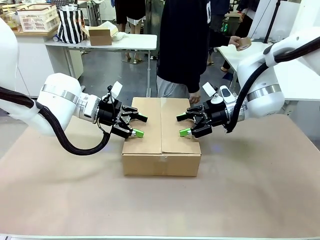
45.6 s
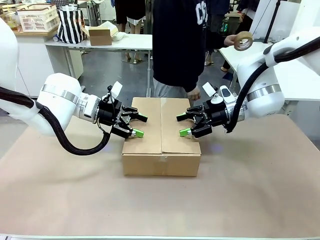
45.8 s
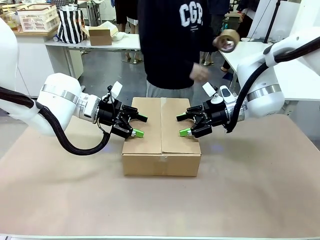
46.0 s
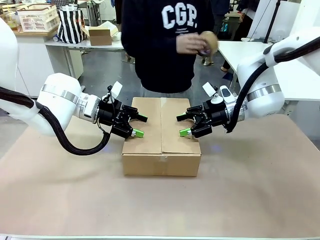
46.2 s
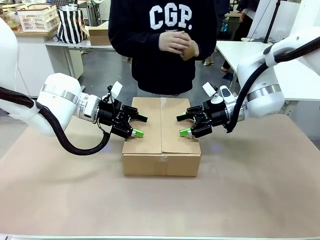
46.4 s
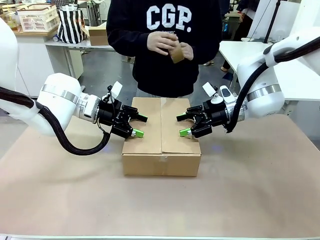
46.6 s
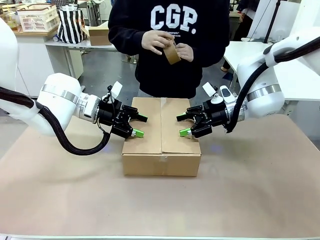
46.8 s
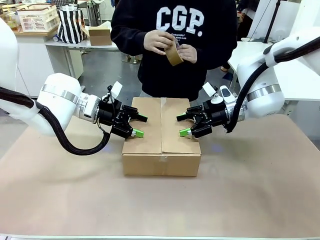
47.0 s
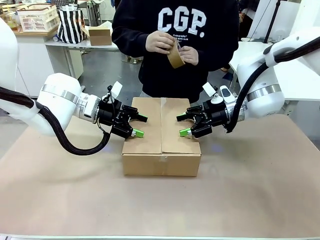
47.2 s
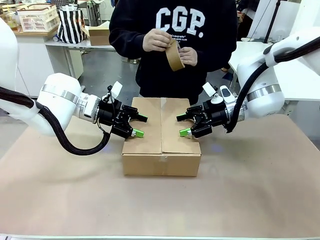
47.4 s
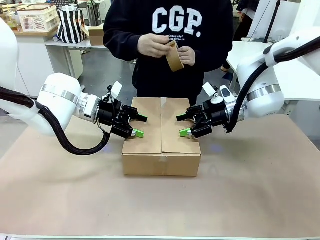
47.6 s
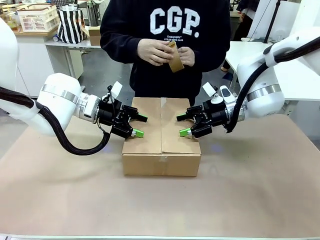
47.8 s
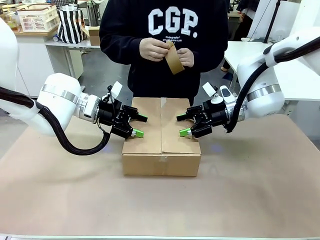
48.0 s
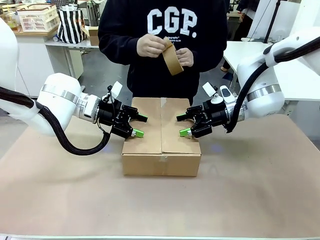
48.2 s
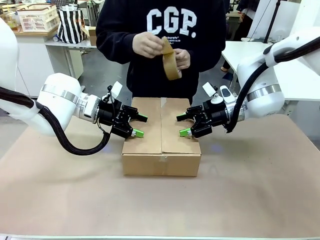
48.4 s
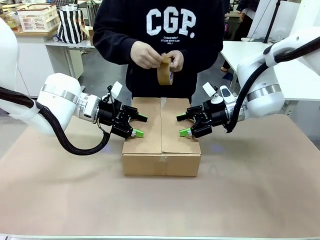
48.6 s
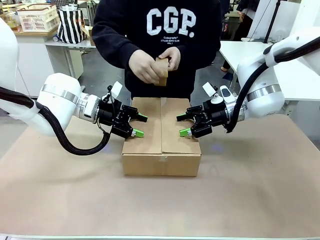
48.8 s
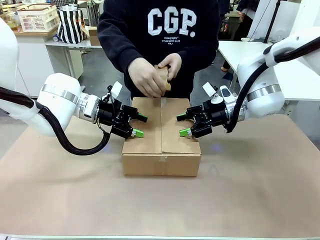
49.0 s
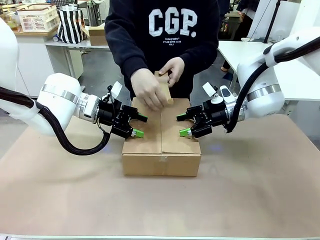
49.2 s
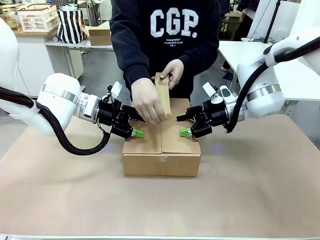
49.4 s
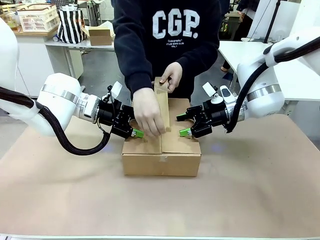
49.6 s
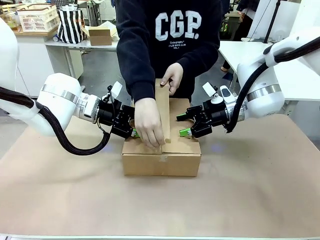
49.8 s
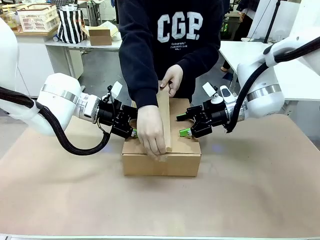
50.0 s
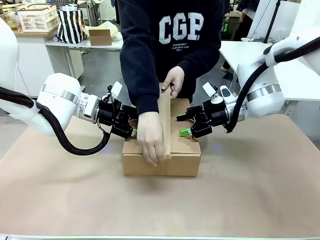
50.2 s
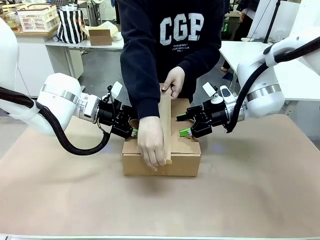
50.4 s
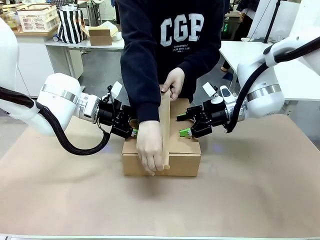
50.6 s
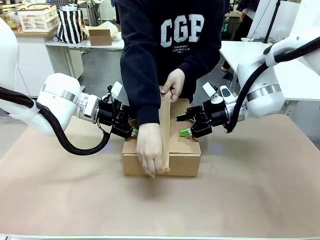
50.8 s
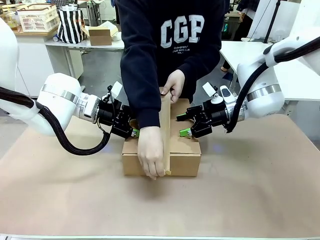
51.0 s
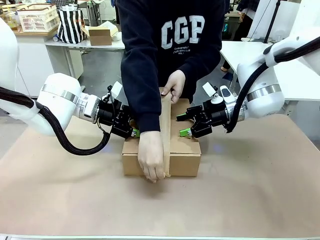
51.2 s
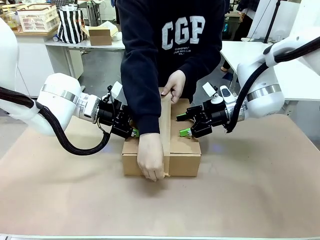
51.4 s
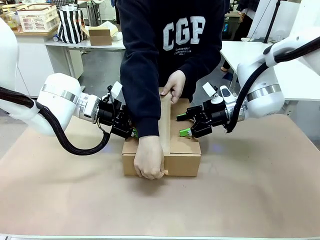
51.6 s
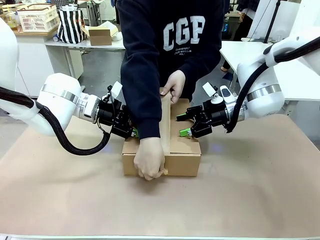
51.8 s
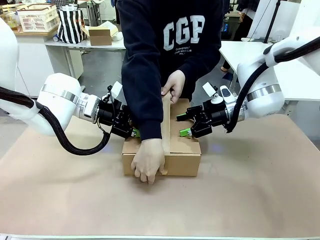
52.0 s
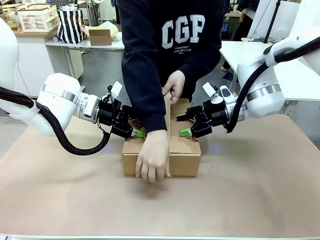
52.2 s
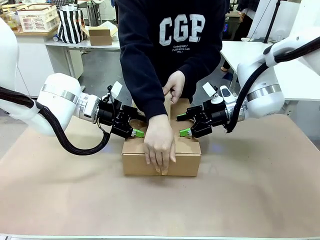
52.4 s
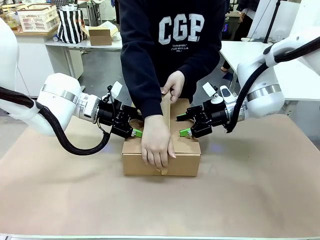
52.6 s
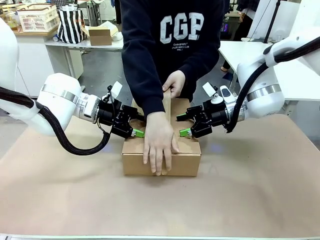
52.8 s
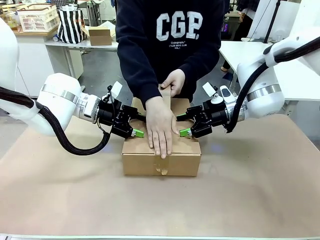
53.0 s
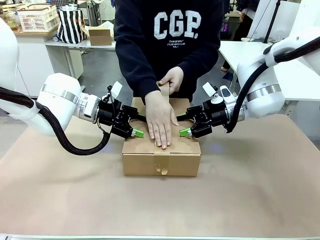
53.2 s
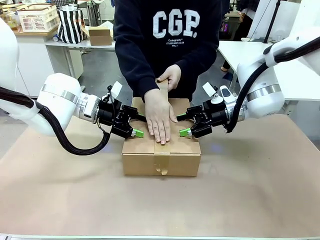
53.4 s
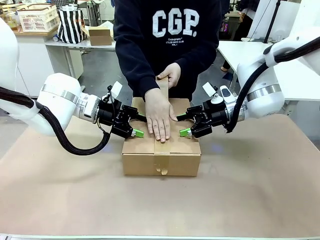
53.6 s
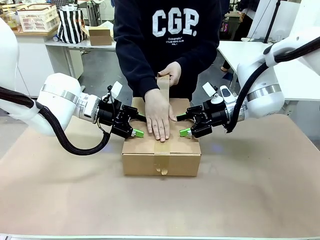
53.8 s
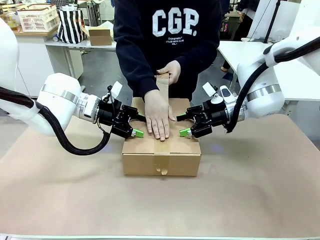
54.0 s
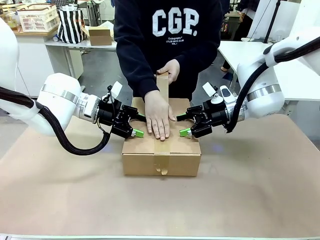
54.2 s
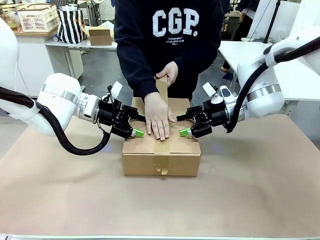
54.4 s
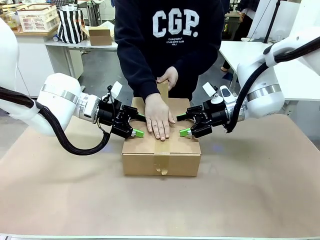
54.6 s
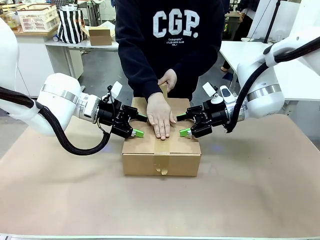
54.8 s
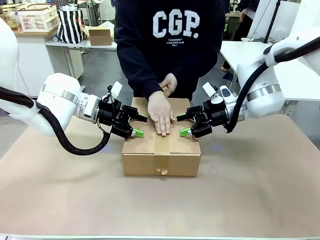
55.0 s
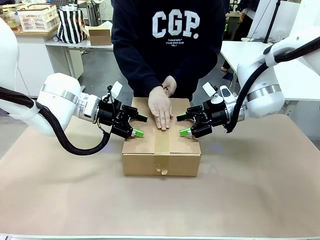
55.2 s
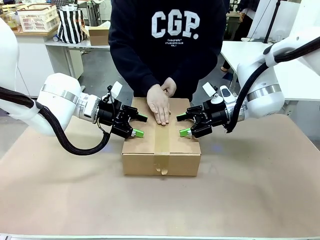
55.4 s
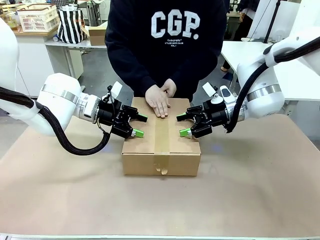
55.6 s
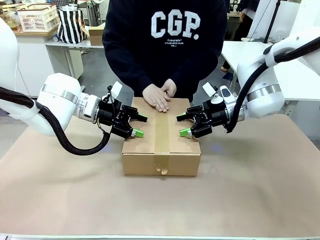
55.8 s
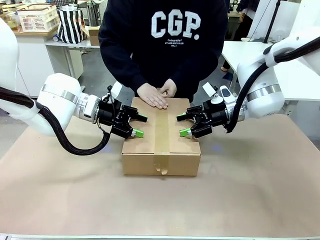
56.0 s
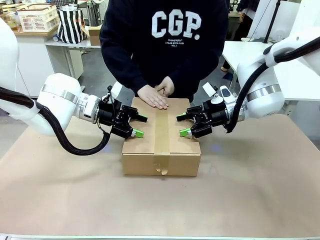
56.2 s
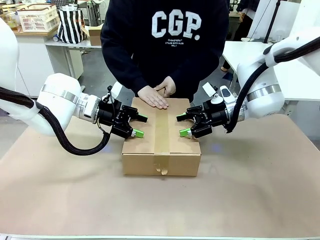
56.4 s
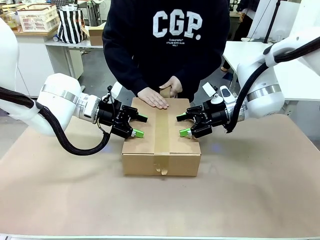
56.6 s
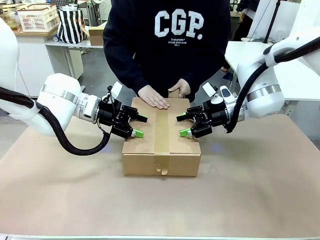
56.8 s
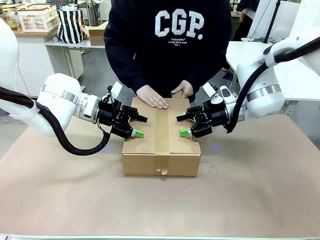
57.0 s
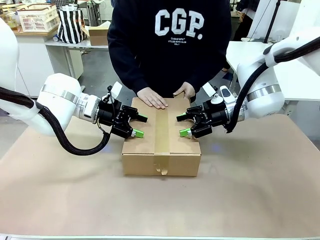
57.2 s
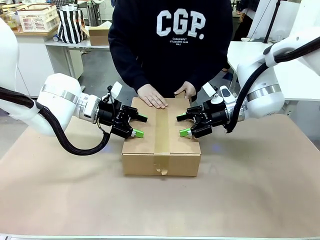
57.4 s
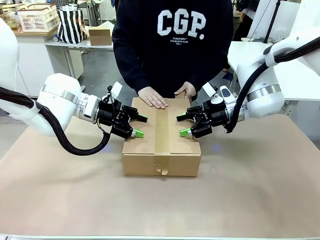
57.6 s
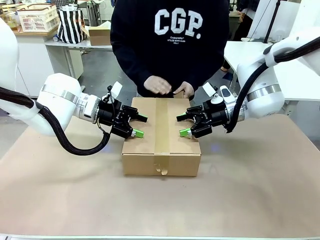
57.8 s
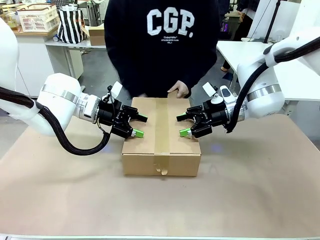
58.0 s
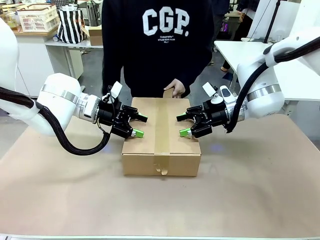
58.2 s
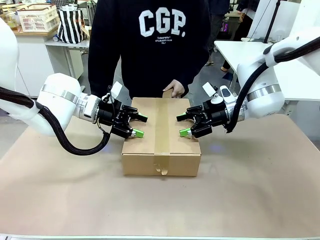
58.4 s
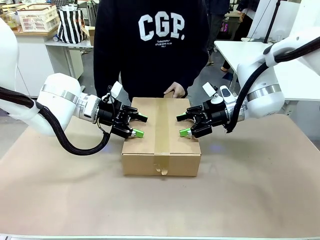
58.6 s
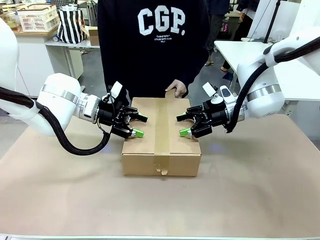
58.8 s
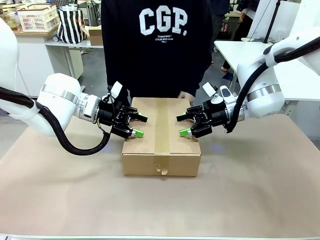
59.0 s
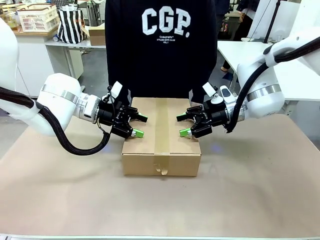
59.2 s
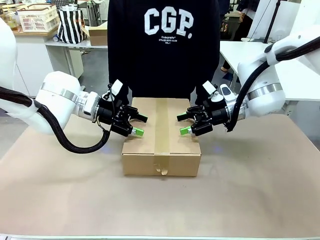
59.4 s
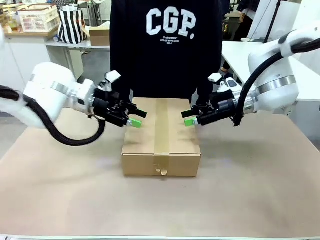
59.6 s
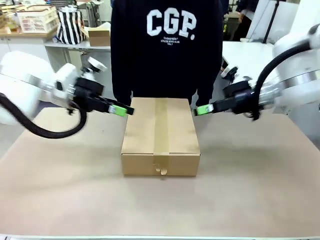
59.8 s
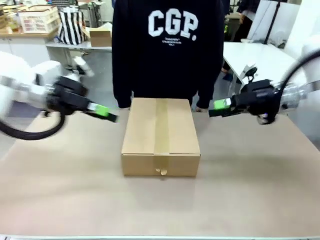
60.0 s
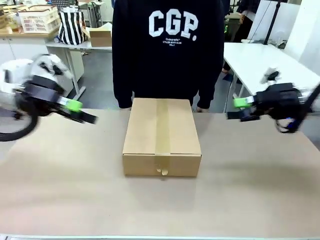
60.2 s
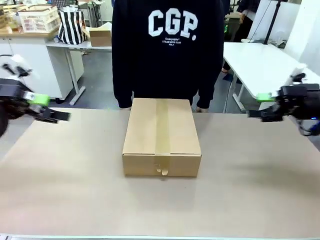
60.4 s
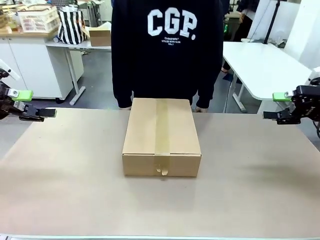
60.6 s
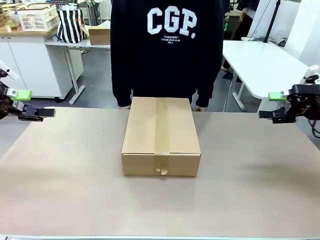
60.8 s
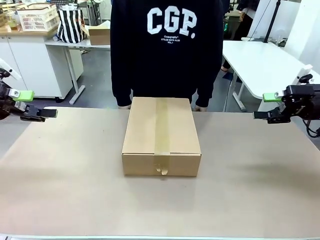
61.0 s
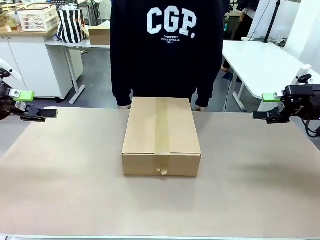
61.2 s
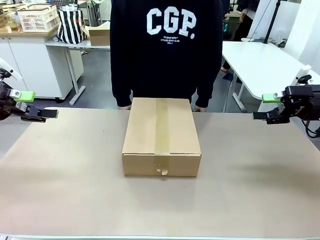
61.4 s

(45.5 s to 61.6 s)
Task: Pack the gift set into the box.
Robot: Press and hold the closed box until the human finishes sealing it.
Person: The human picks up the paper tape from the human table and packs the box.

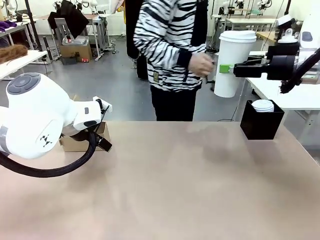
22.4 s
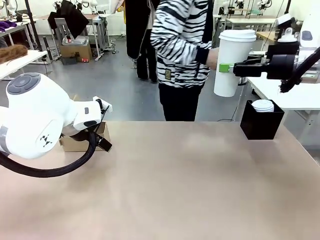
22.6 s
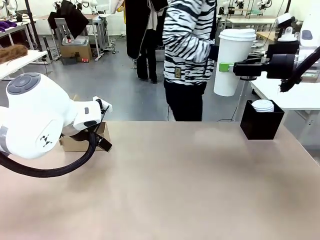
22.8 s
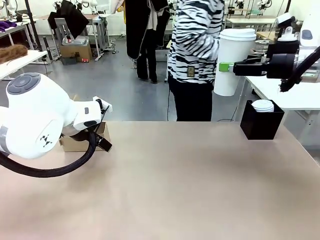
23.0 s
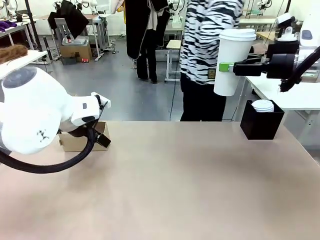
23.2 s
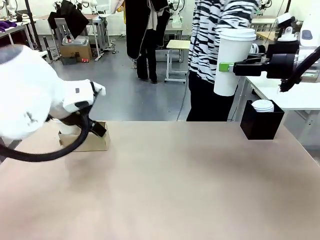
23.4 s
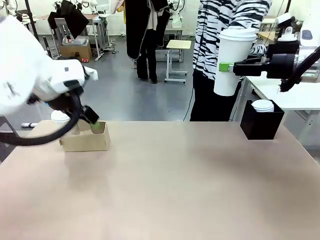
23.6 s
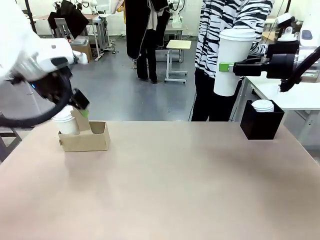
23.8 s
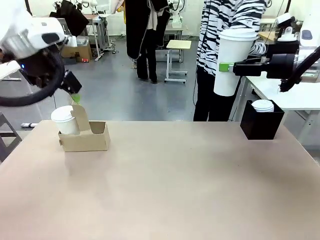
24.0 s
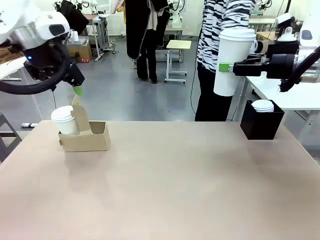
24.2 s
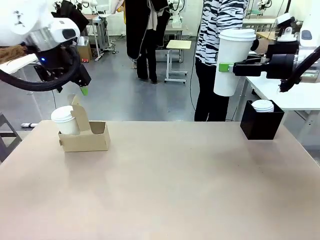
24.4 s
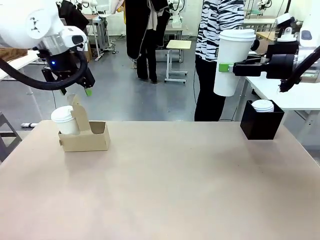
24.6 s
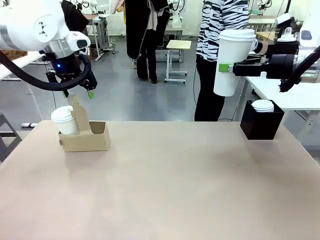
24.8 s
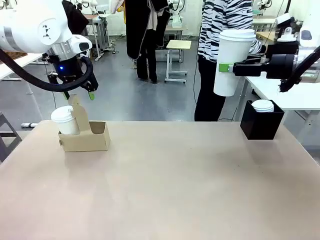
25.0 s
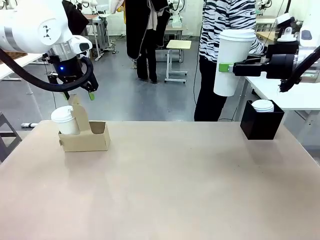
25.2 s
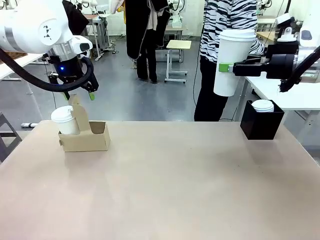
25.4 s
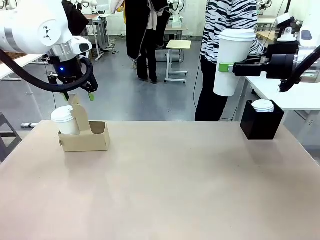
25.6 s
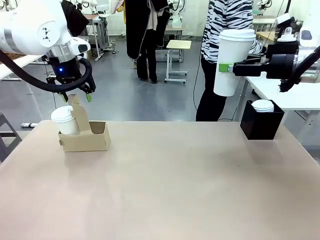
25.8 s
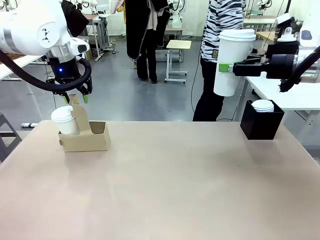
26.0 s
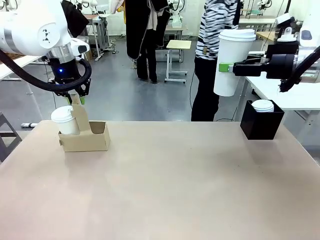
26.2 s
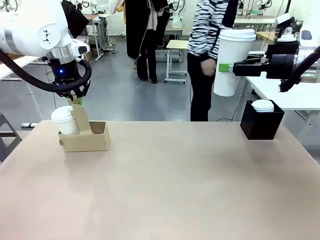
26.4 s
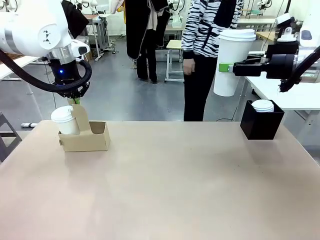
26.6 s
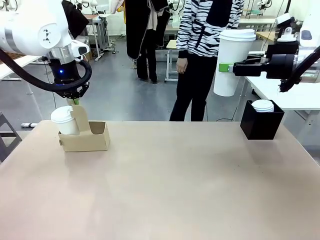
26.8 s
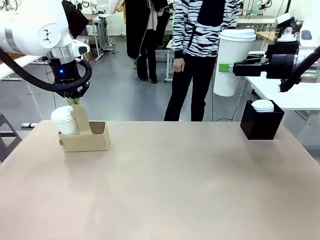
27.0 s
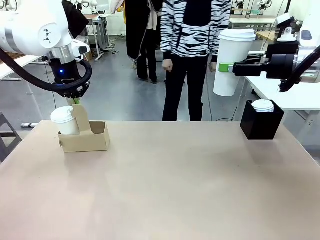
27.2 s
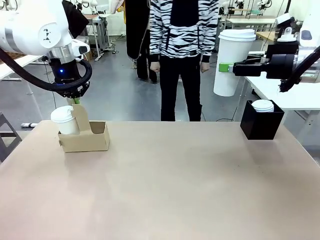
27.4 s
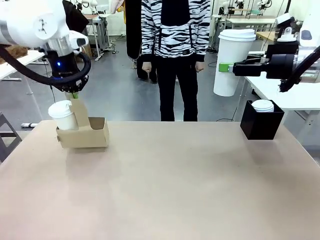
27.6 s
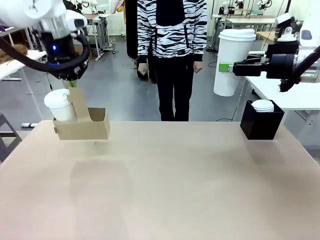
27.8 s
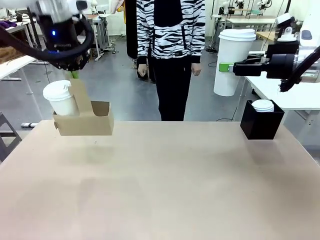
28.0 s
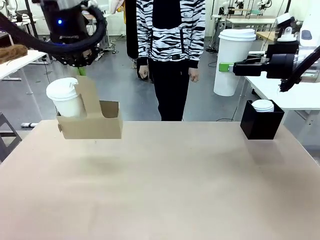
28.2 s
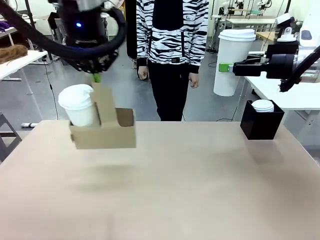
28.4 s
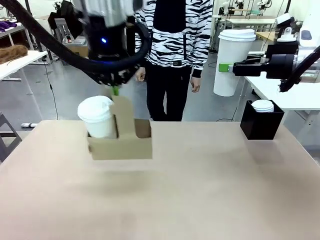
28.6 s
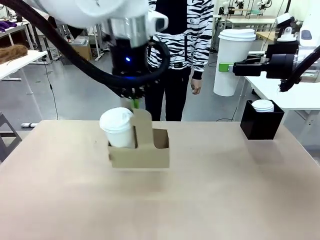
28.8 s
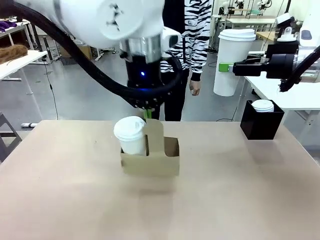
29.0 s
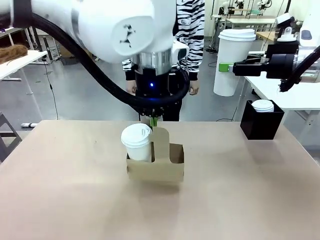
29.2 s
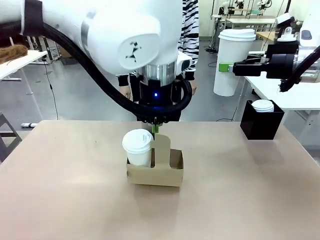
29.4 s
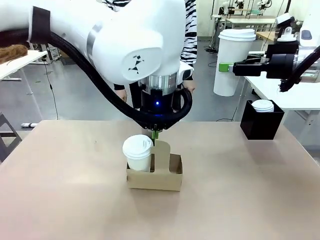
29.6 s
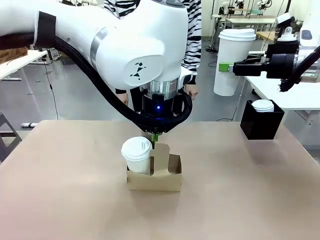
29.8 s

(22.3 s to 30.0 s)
Task: Pour a drink into a cup and package it in a carrier.
Robot: Position the Cup Carrier in the center of the table.
Person: Pick up the Filter Brewing and place on the middle of Human table, and return to the Robot table.
